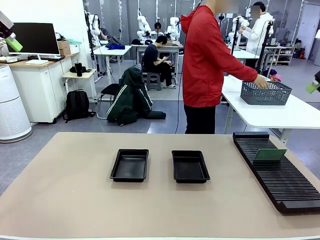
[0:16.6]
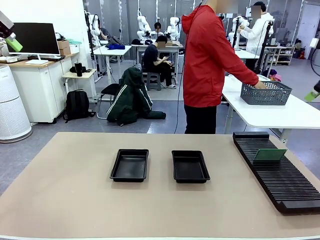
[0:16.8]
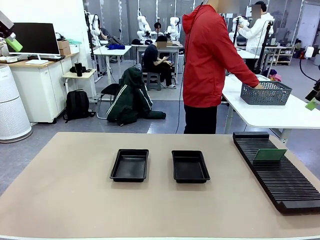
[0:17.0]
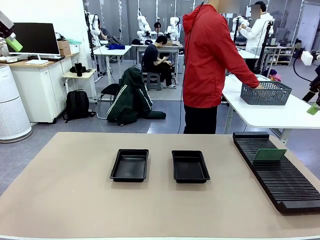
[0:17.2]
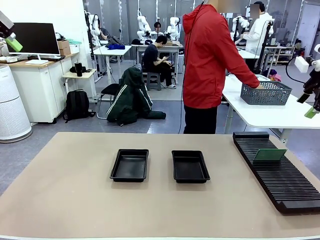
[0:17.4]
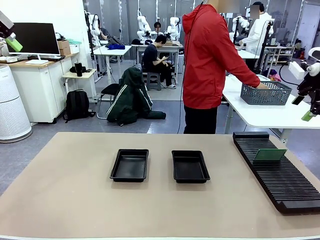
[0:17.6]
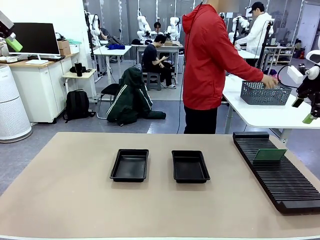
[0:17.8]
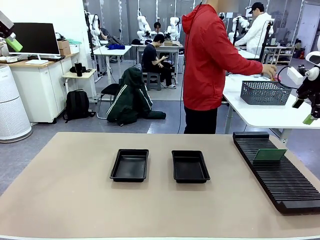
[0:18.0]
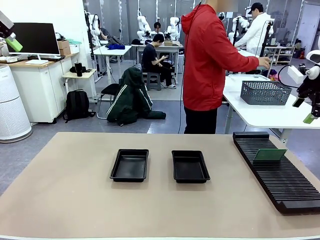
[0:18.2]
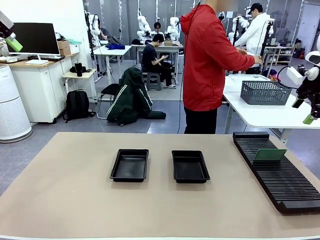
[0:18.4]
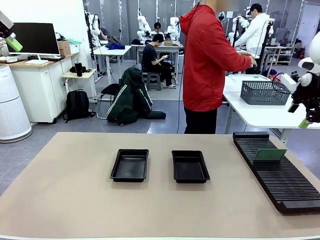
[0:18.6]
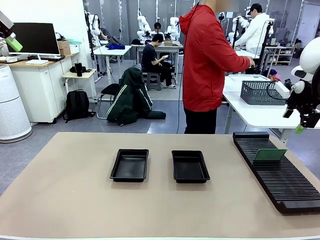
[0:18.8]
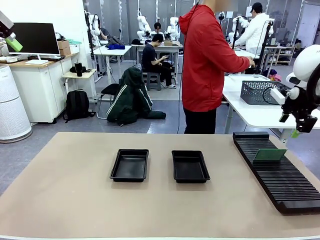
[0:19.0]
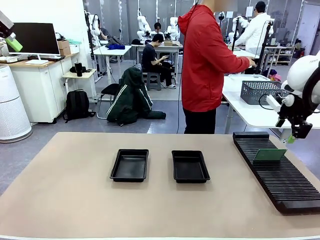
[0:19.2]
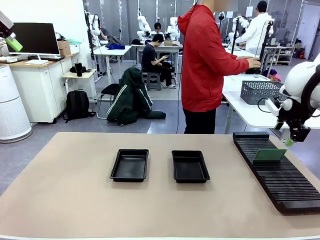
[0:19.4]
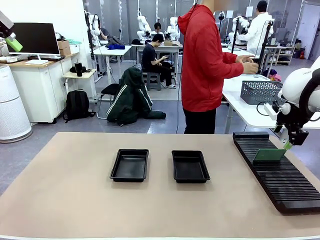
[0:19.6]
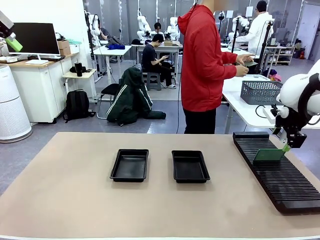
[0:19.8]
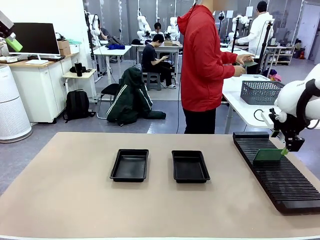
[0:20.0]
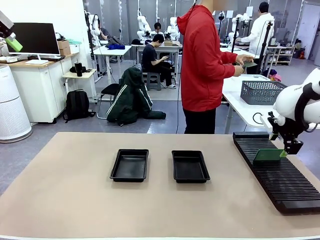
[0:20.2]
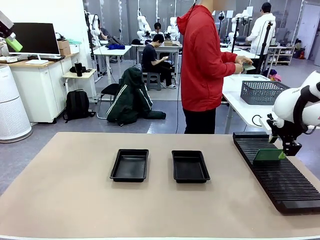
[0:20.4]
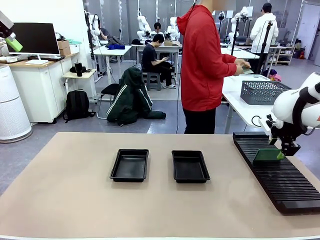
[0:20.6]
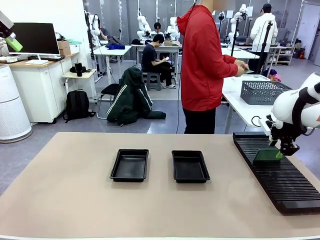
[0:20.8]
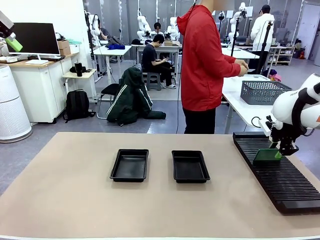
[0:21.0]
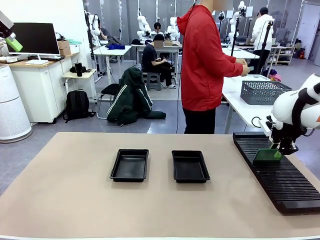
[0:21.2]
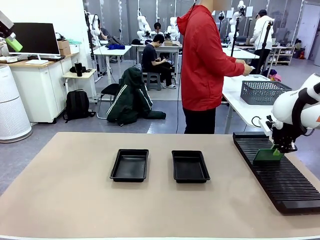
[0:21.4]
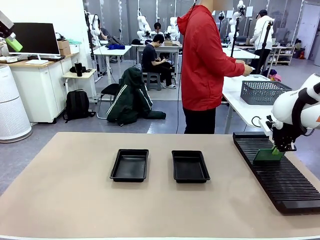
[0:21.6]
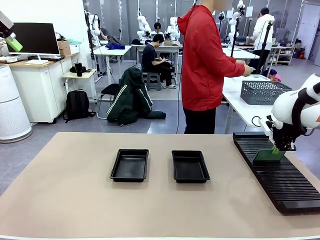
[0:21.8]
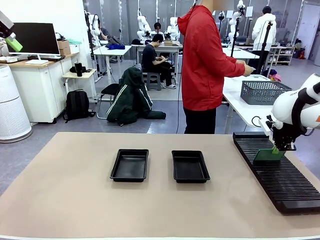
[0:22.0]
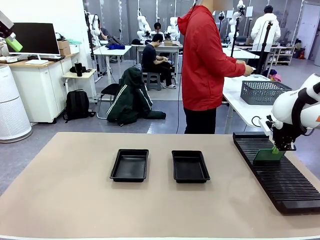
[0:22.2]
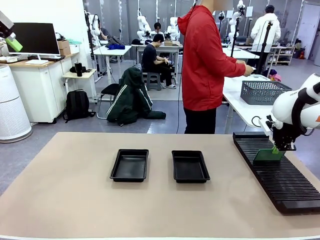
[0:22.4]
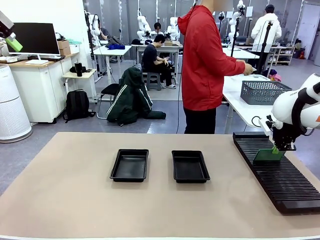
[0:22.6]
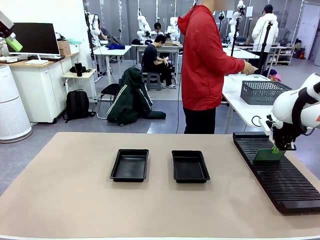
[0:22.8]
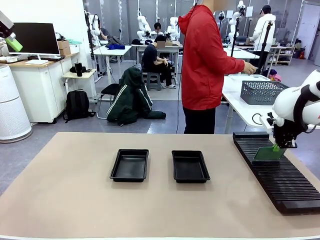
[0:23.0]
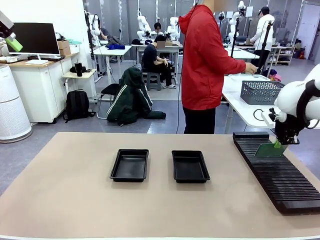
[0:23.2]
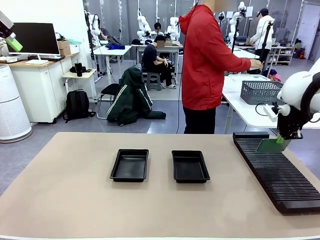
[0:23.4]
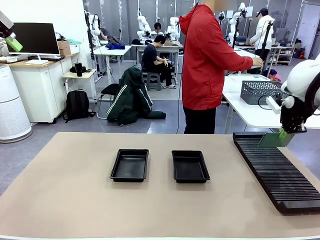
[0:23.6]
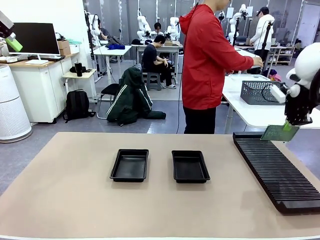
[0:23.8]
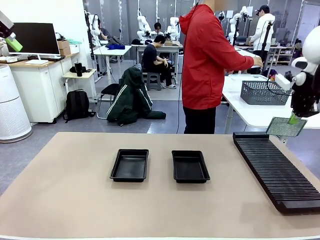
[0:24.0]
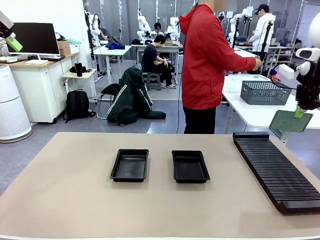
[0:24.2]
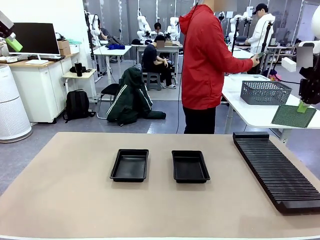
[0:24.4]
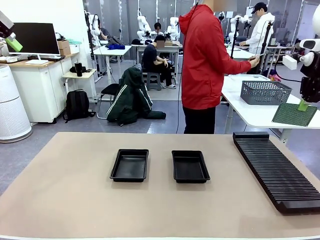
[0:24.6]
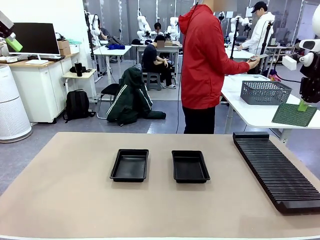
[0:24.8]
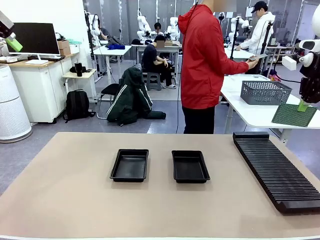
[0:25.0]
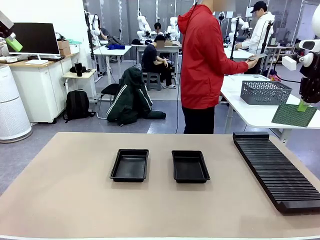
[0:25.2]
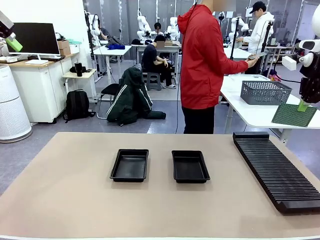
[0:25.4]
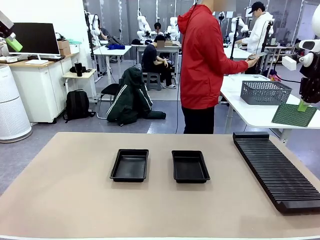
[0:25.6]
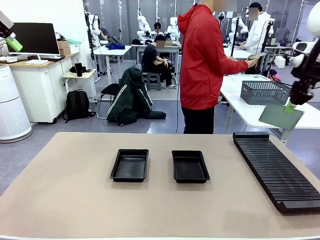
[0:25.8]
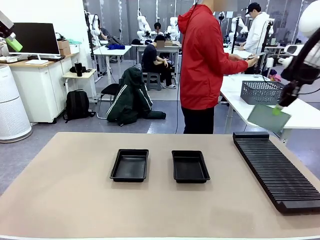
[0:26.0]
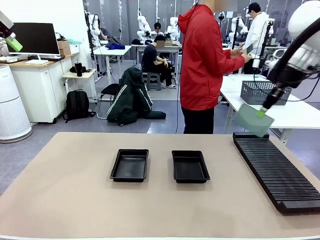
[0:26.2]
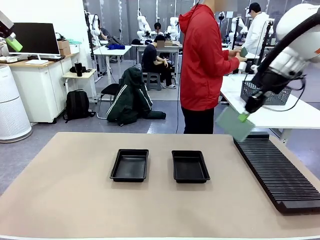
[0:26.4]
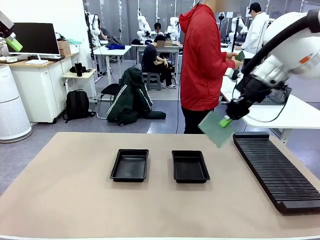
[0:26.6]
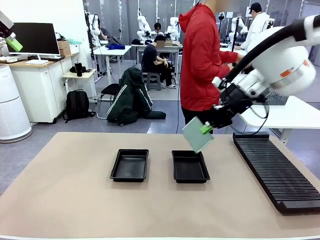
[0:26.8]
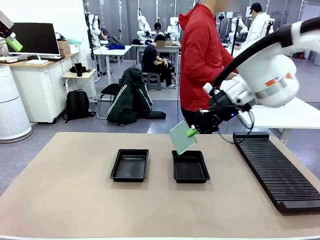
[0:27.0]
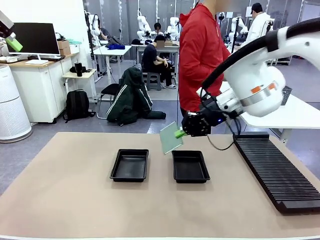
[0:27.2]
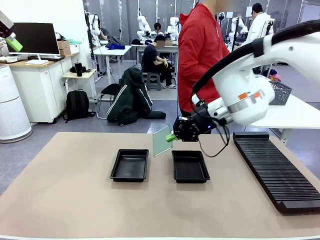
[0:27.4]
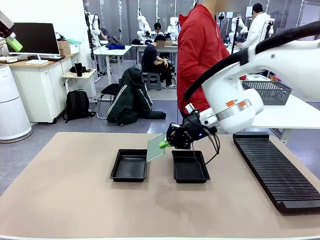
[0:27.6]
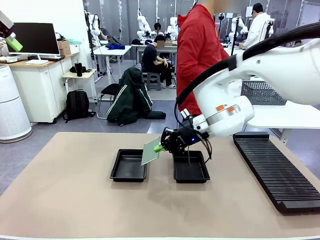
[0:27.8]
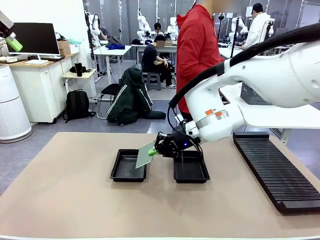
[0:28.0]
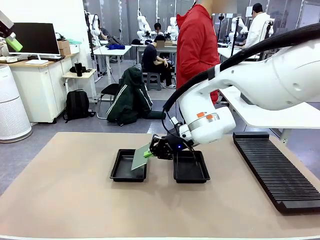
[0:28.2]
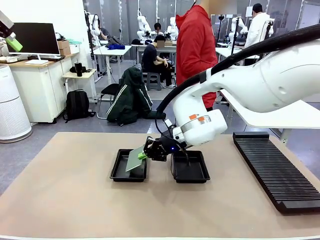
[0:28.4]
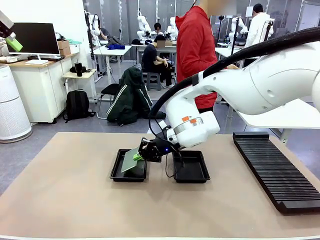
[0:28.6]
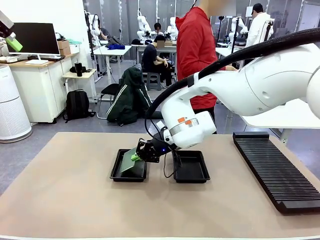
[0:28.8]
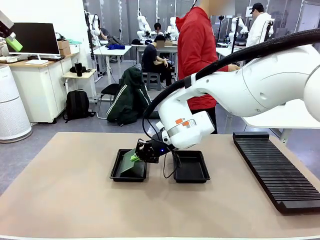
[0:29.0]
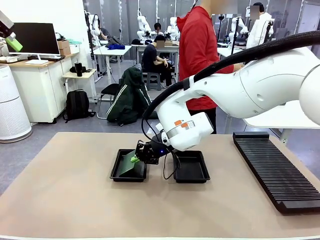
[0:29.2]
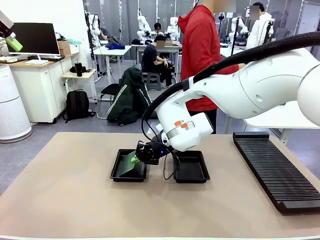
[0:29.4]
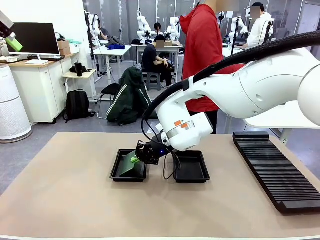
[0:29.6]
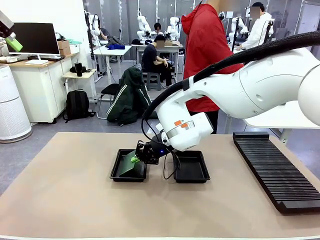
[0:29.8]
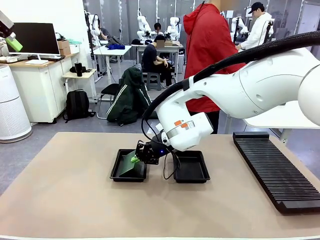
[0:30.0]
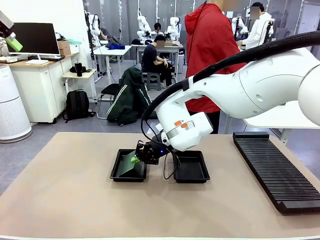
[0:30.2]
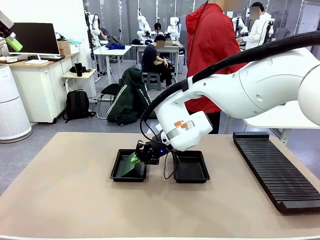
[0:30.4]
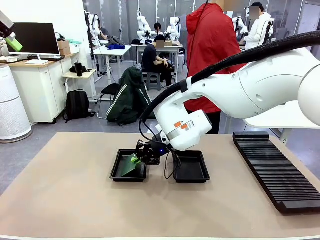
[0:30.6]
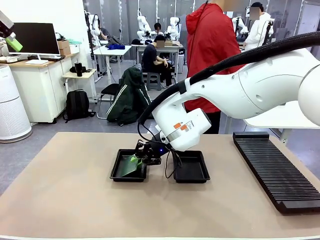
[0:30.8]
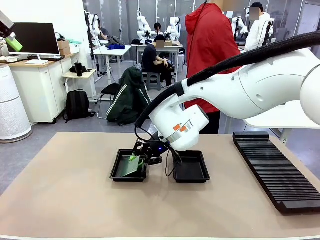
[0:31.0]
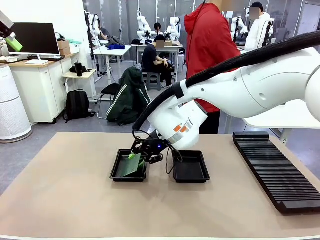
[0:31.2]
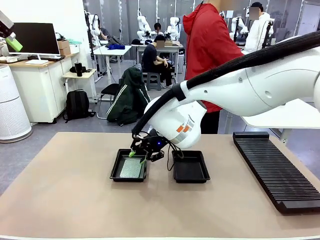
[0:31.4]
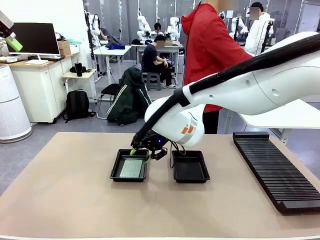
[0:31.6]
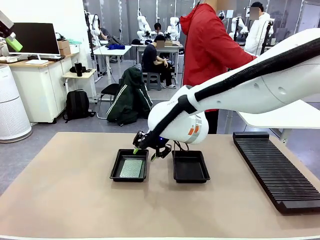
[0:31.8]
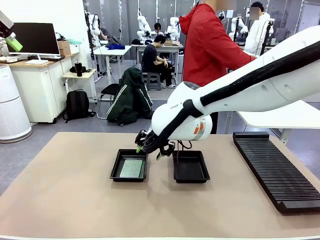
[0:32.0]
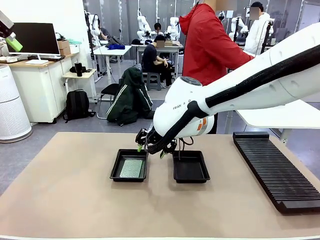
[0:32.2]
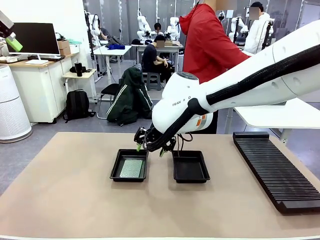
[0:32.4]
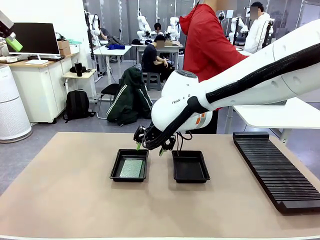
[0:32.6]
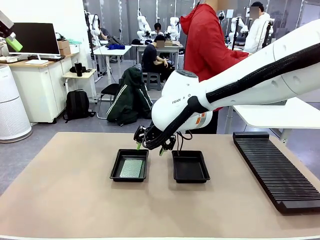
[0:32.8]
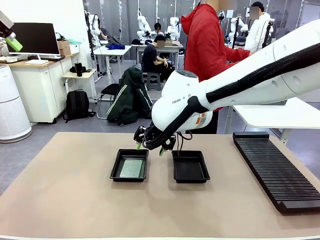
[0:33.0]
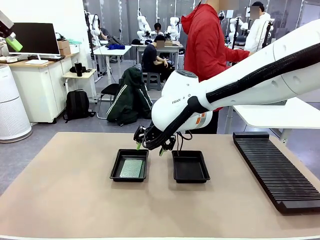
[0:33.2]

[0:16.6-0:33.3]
Task: Inspect and transfer BCBs to ESD trays.
Robot: Pick up the Blank PCB from the PCB Rack and place it in the left ESD tray.
